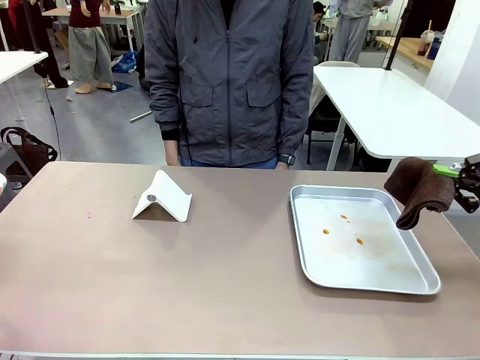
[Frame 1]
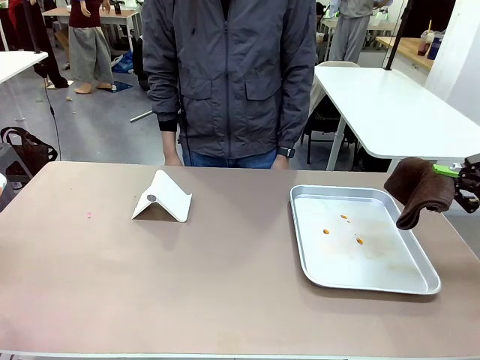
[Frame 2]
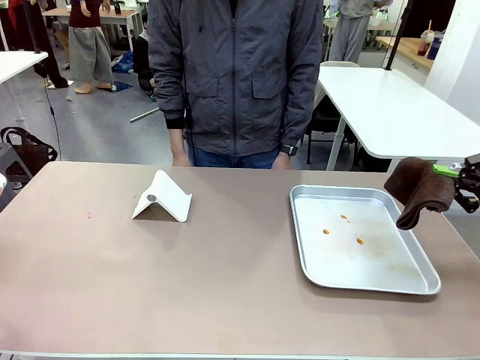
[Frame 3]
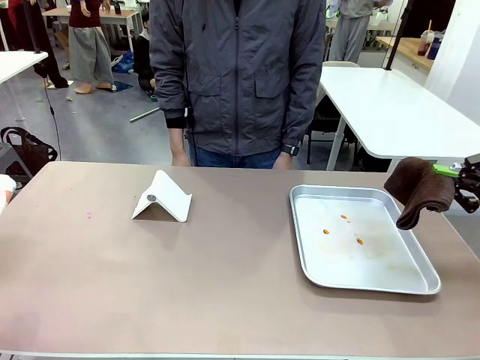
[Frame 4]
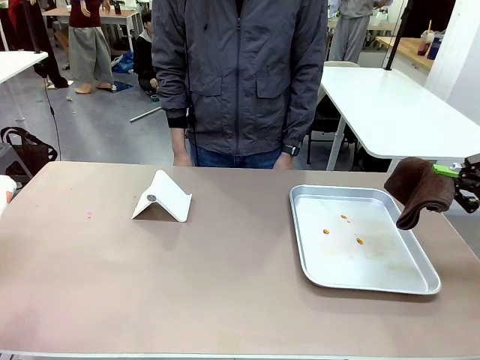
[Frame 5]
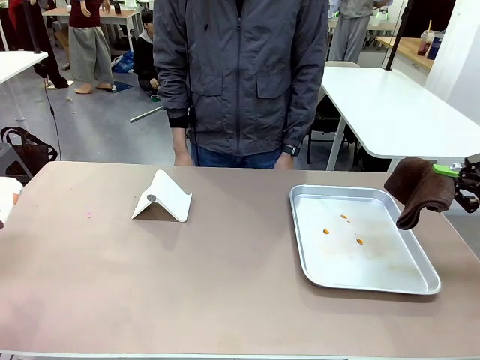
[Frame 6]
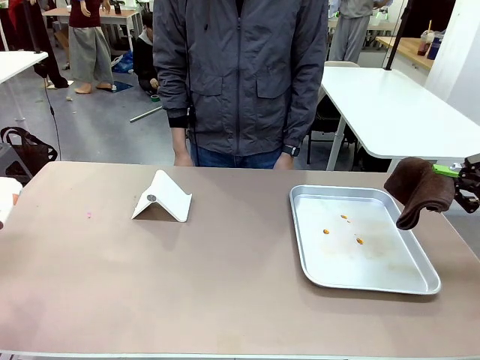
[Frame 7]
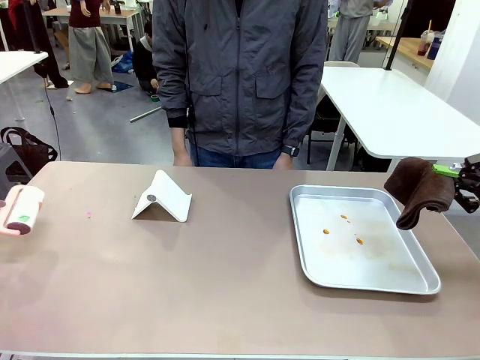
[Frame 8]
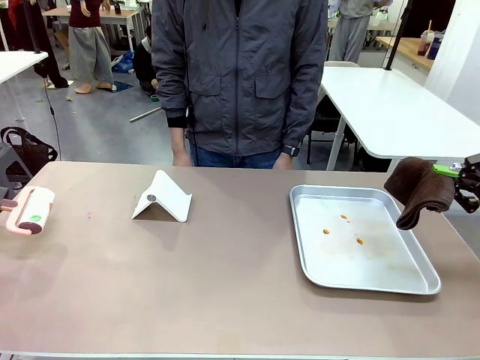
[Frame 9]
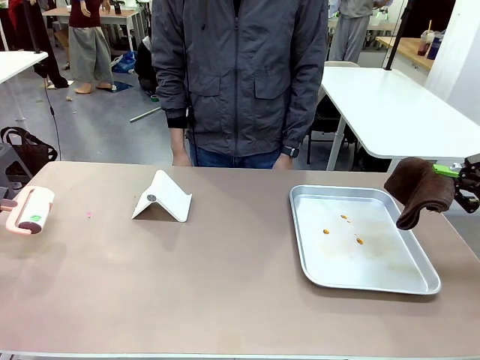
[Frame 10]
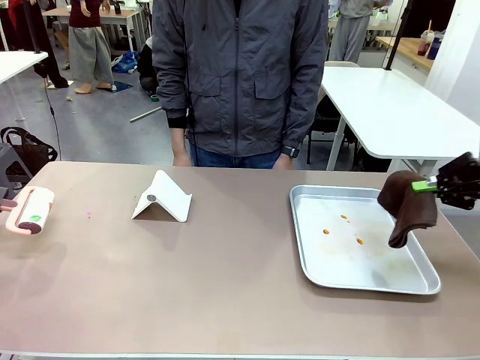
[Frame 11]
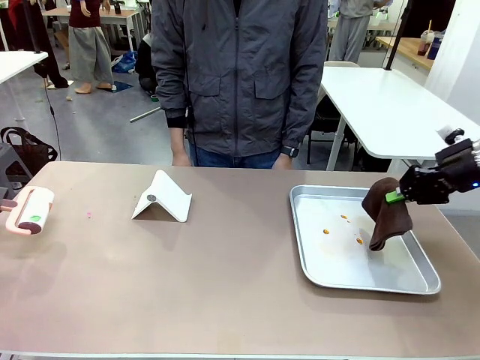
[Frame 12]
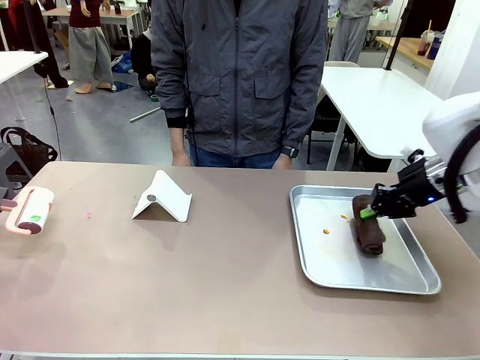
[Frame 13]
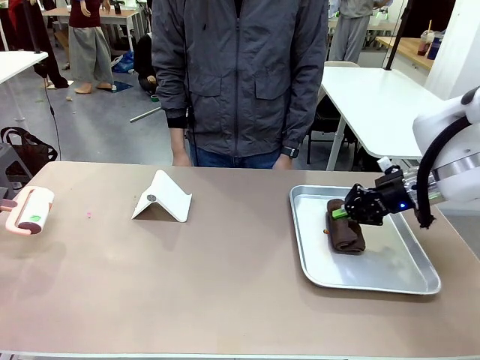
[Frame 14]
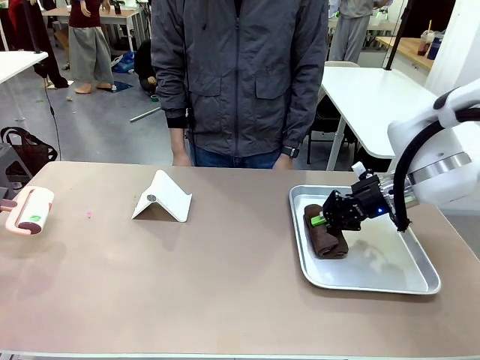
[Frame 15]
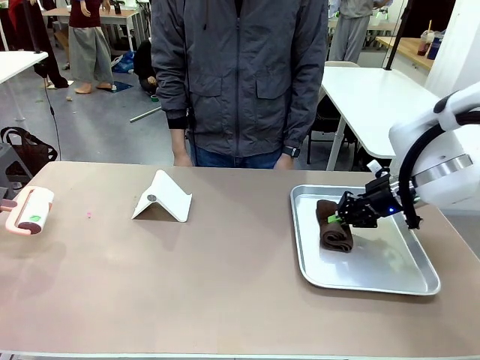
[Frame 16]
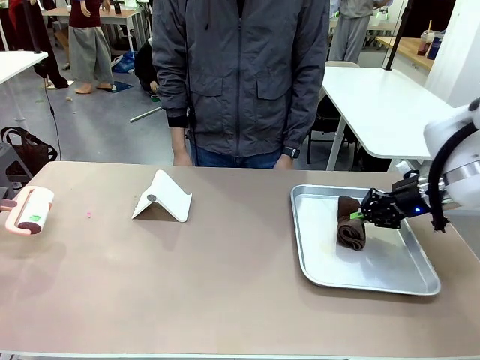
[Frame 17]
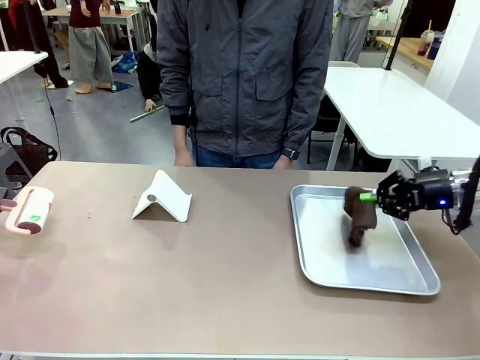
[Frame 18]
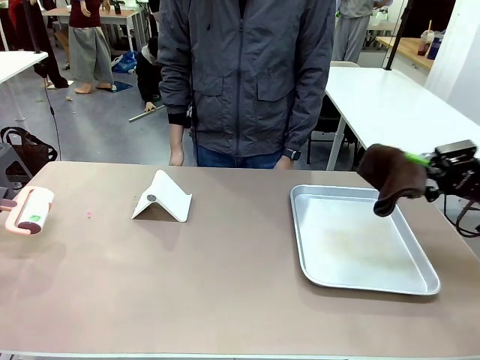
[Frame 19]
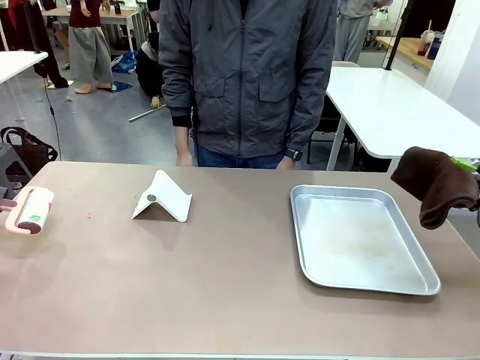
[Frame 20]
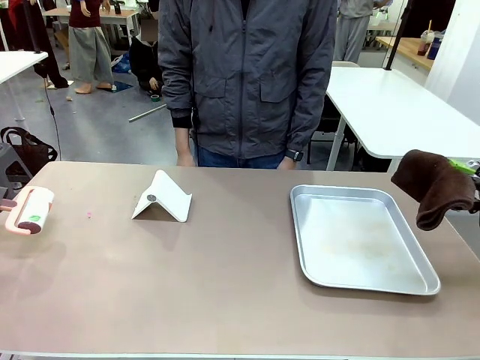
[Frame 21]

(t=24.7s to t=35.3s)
Task: Clean the surface of the table.
Robot: Clean the area not pointed to by the person.

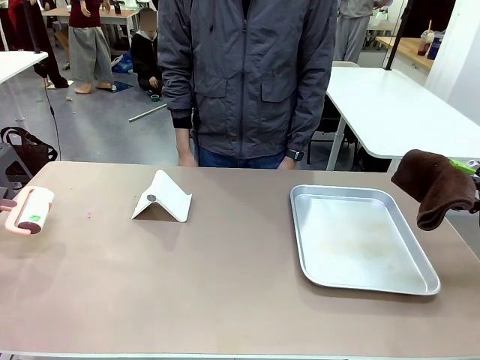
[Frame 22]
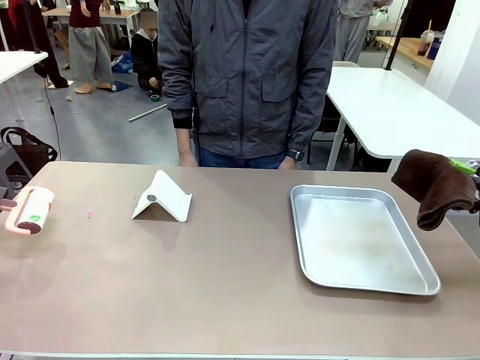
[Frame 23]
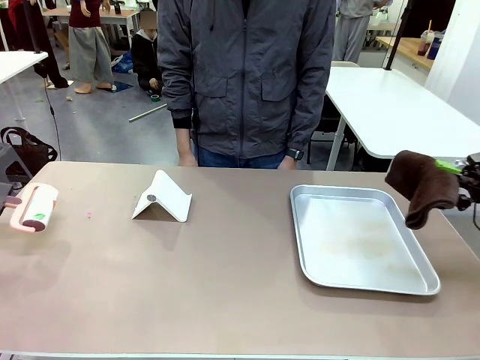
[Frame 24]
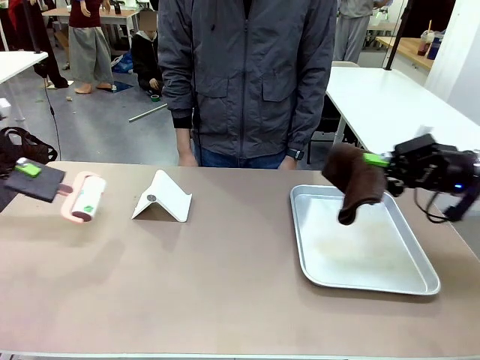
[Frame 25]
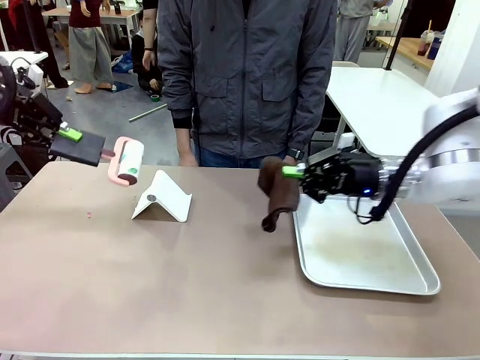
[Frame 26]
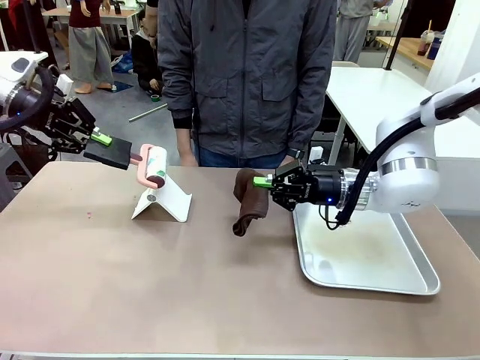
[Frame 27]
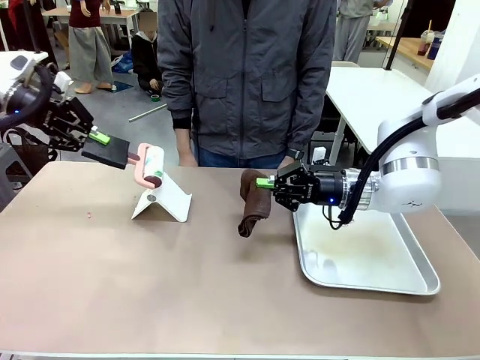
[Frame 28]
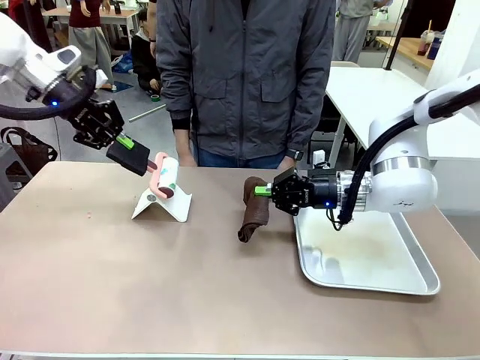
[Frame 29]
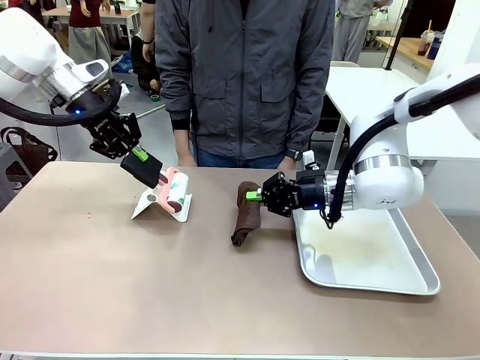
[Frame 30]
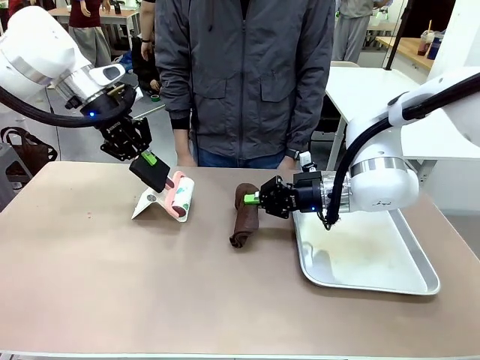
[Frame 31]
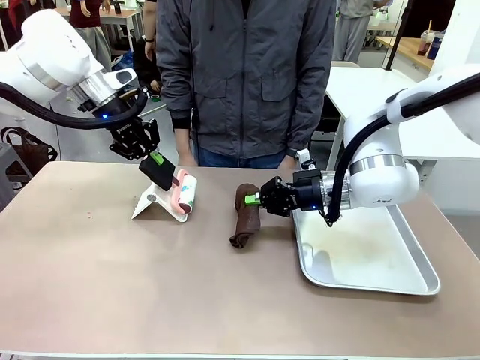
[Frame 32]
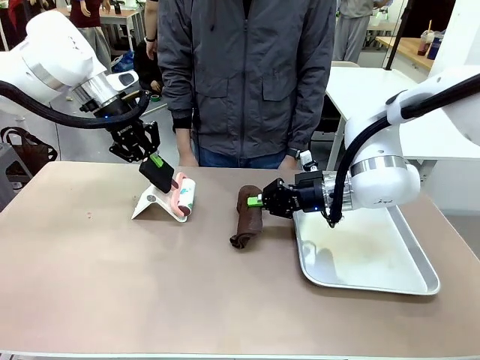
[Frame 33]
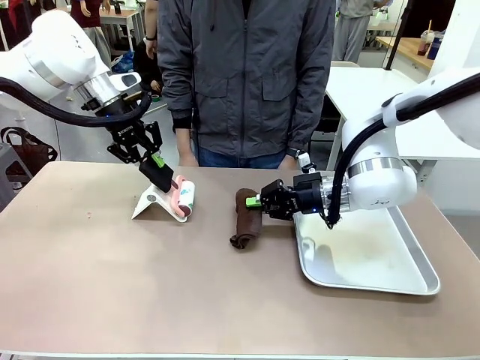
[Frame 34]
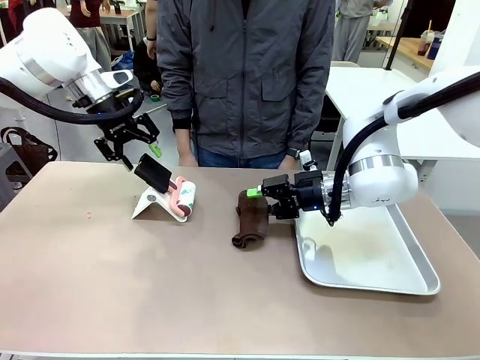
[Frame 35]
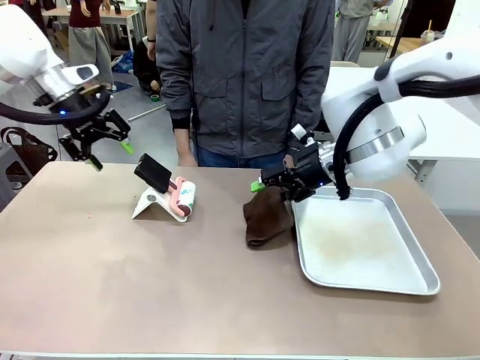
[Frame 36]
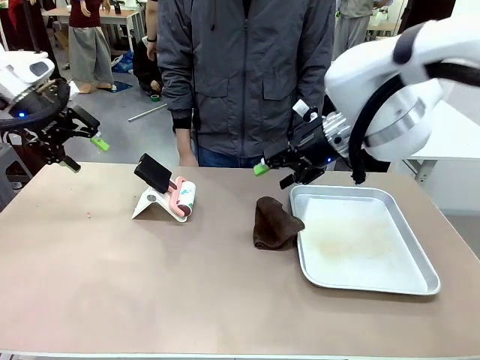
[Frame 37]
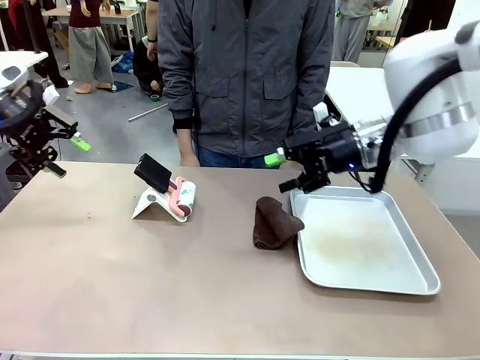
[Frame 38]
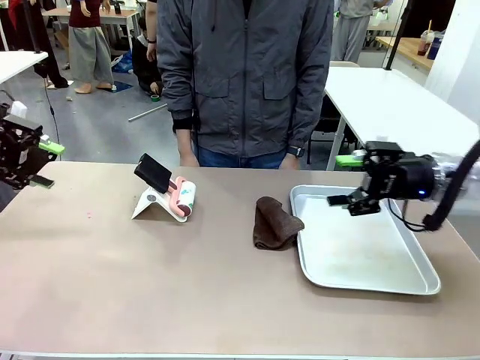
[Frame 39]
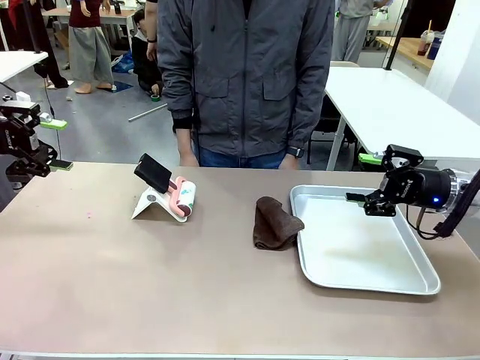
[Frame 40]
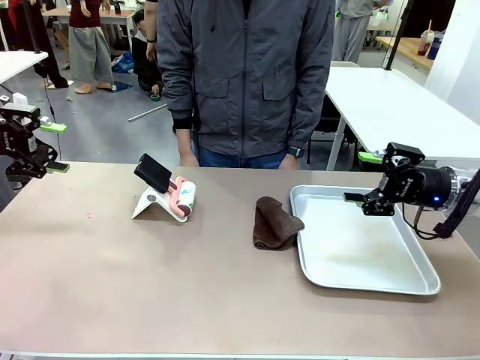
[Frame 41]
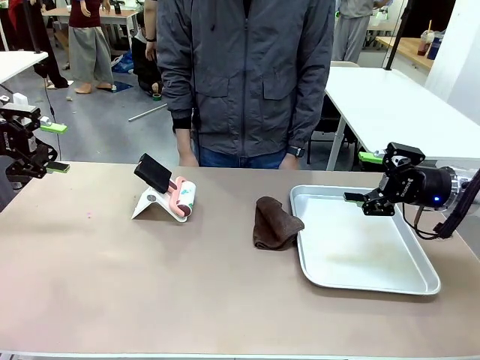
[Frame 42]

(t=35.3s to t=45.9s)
Robot: Return the Lint Roller and towel to their original positions.
